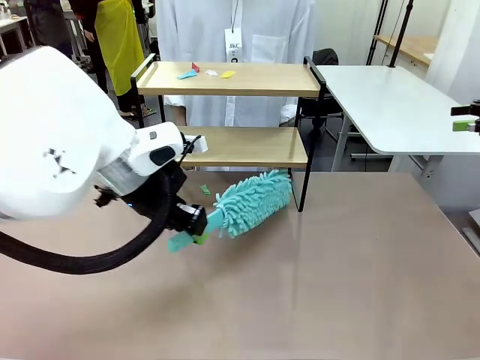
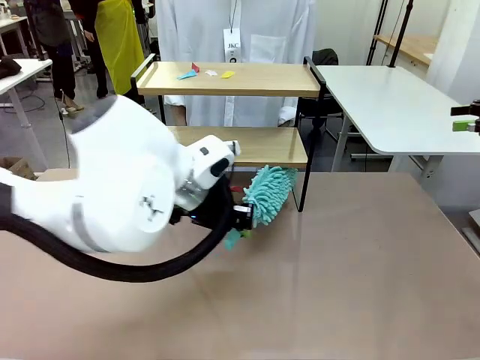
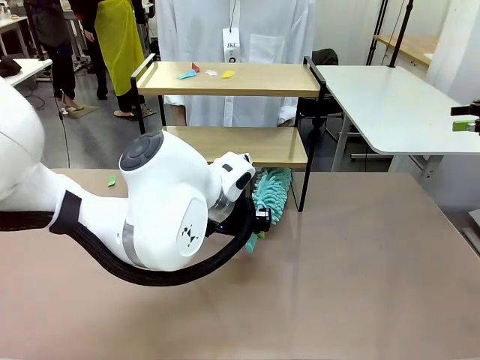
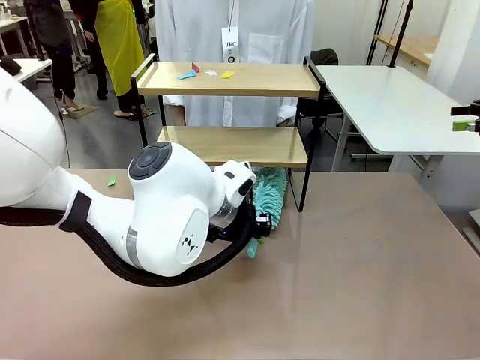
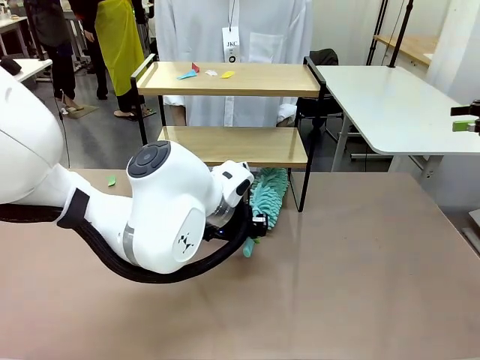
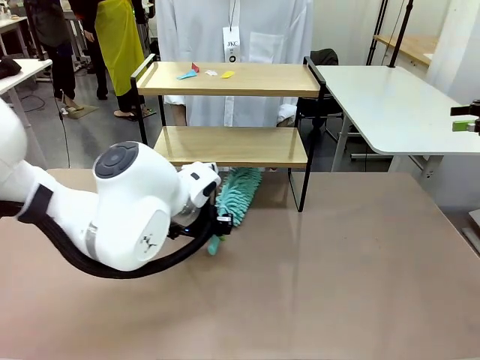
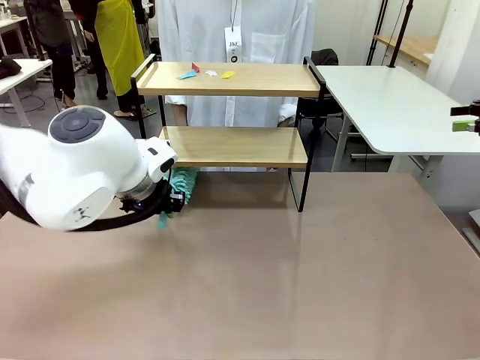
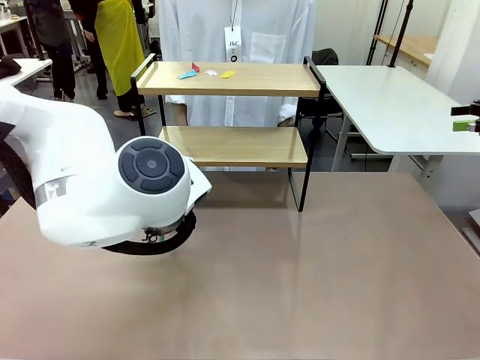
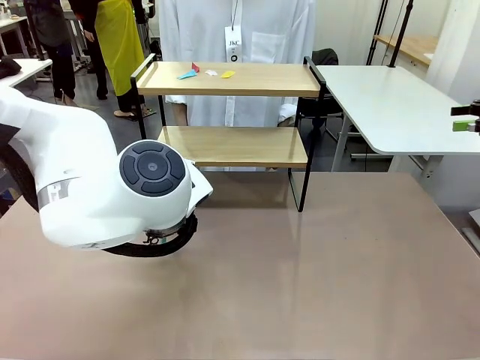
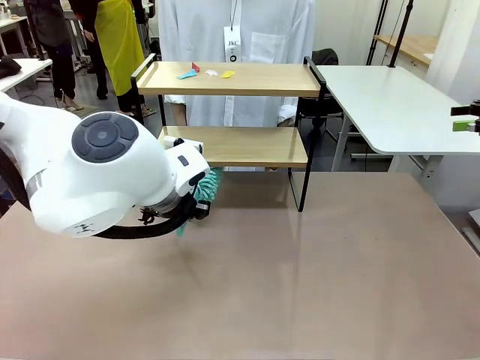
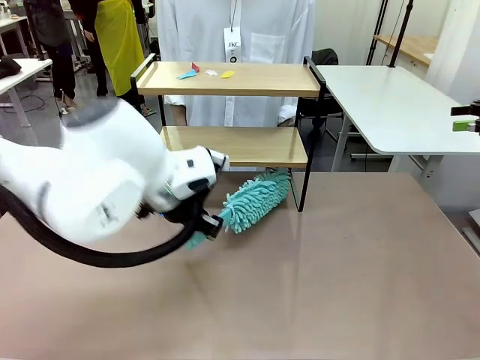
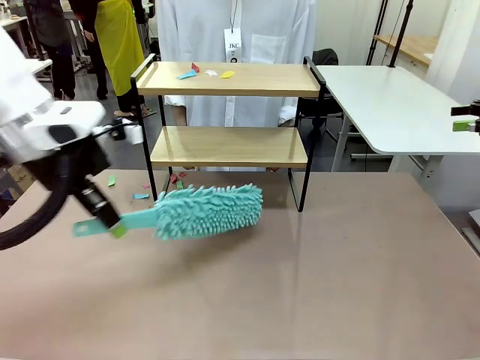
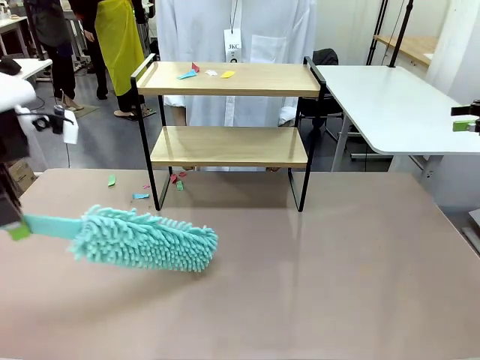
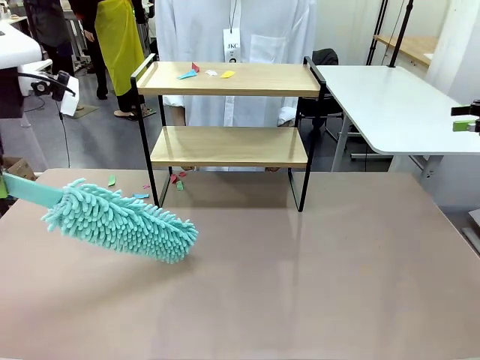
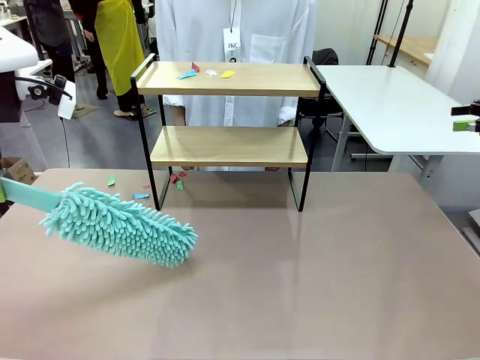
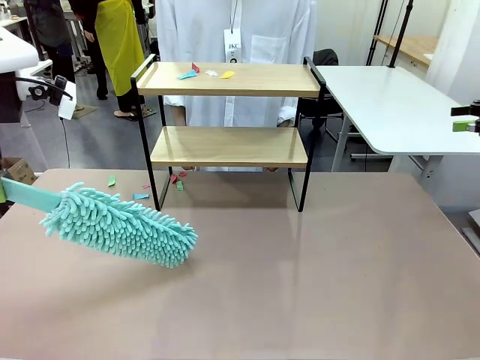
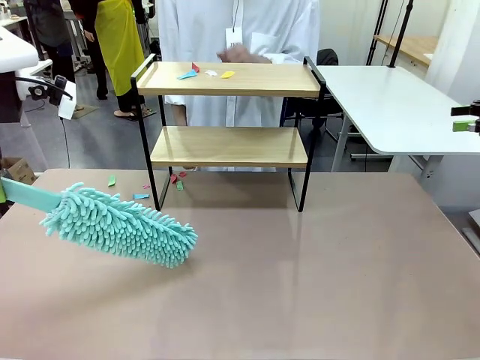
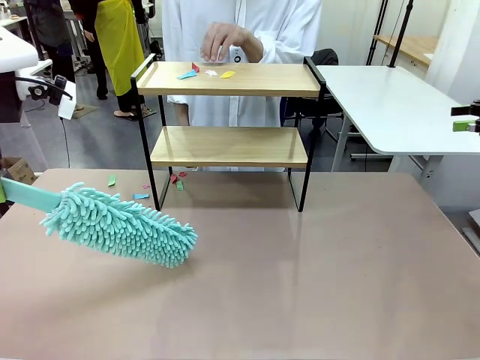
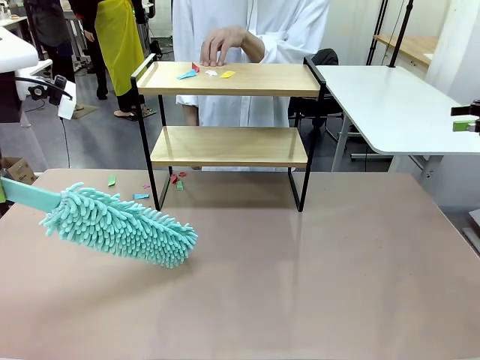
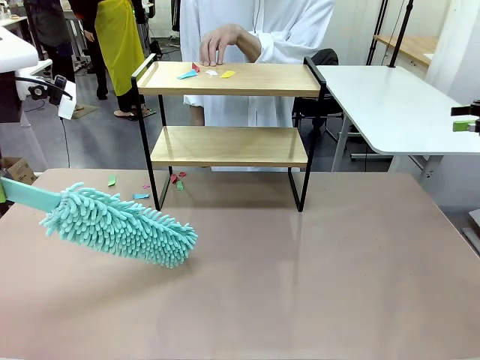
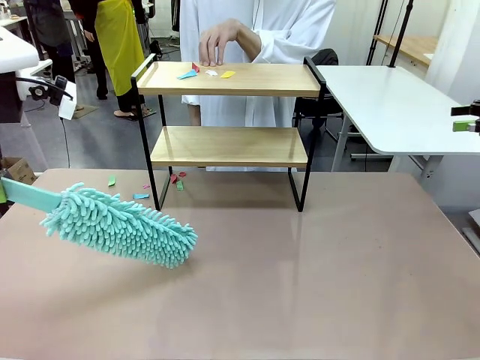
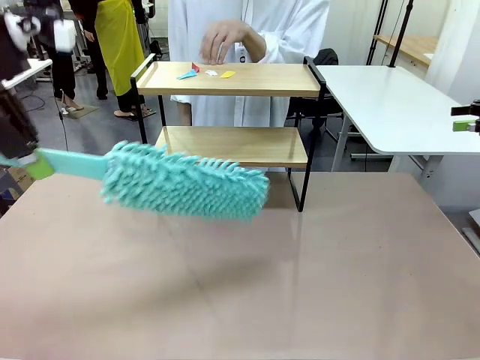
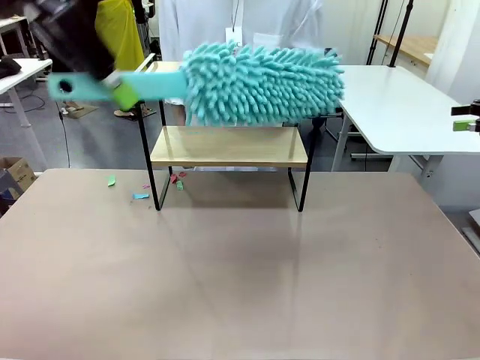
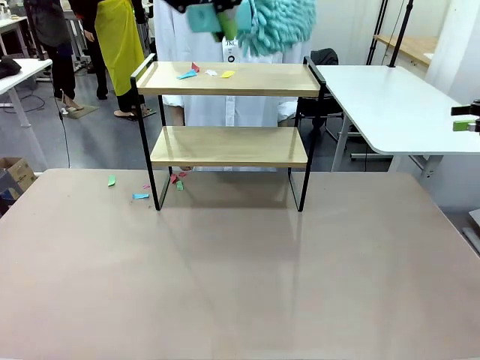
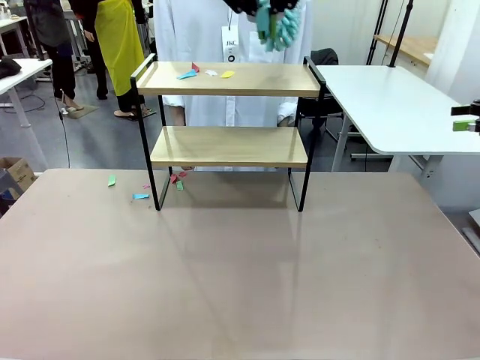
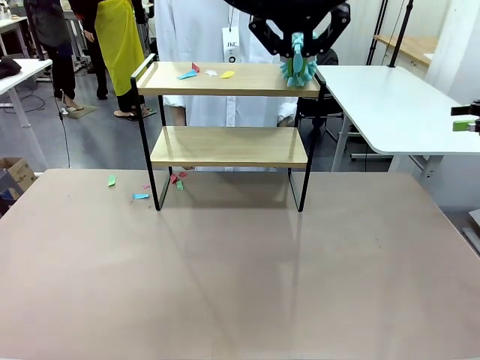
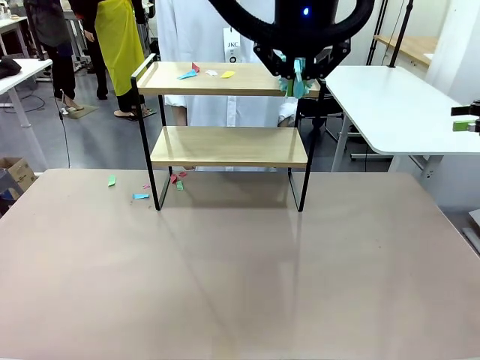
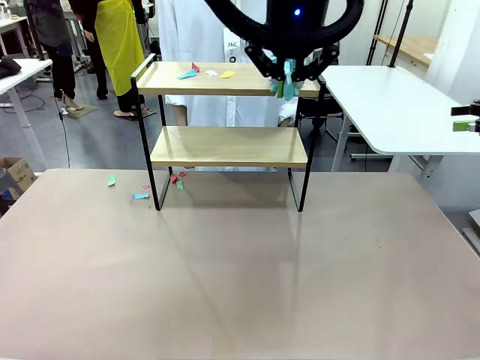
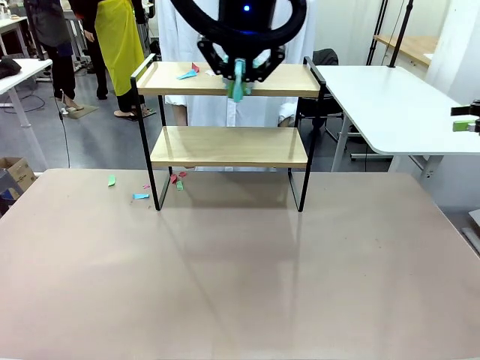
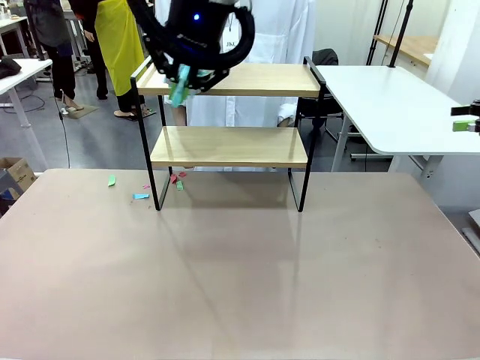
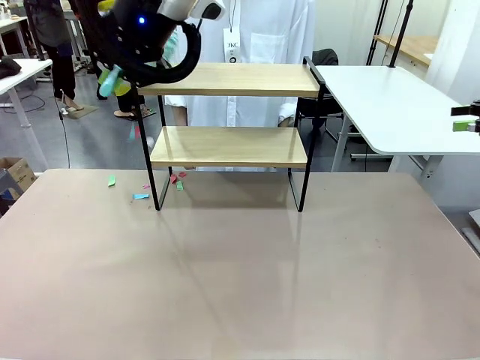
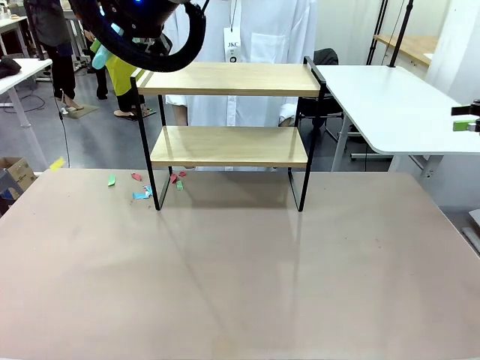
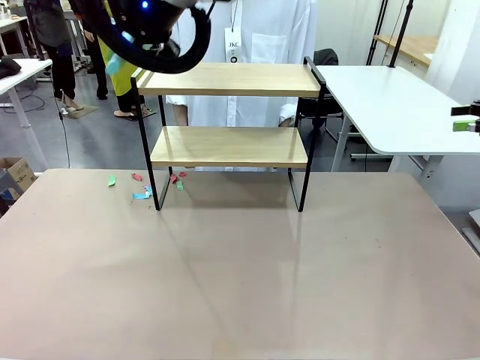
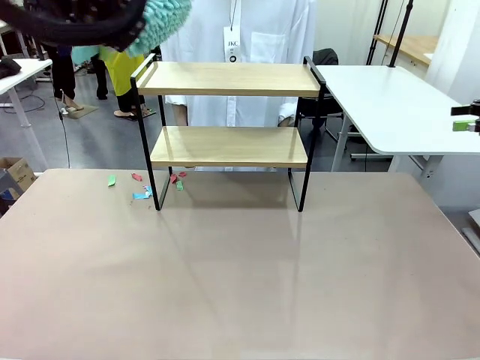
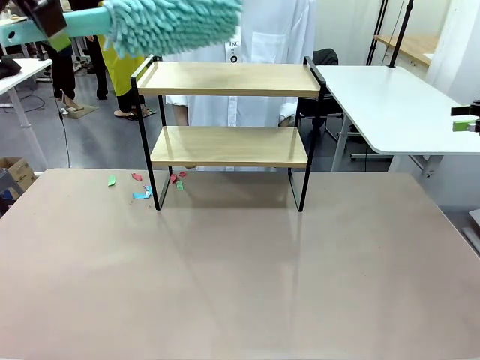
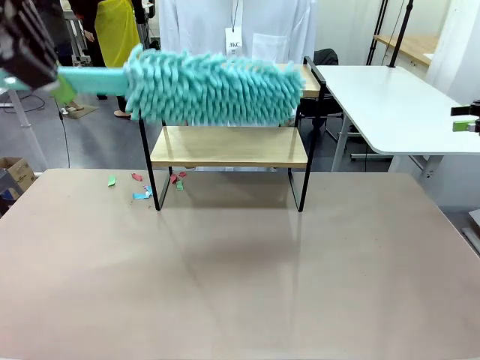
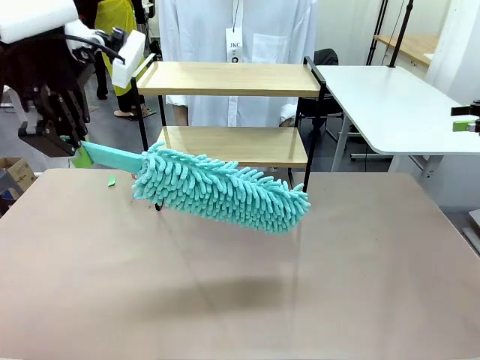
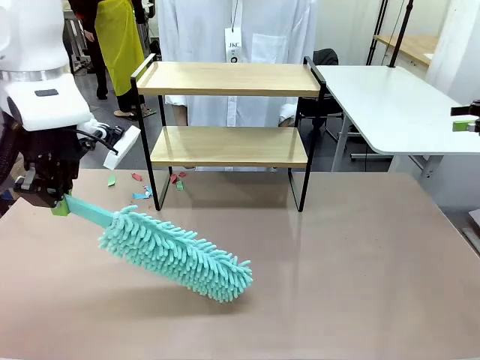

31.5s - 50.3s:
Task: Clean the shelf.
Robot: Clean the specific section of the Shelf indicated by the human with the Duster.
Person: Point a remaining section of the Shelf.

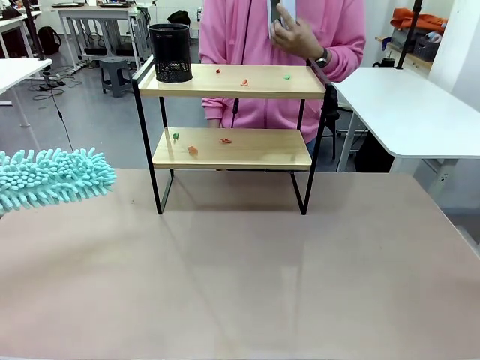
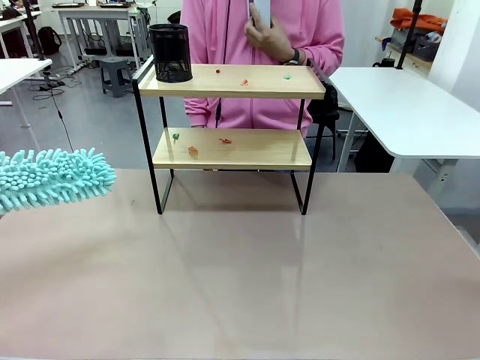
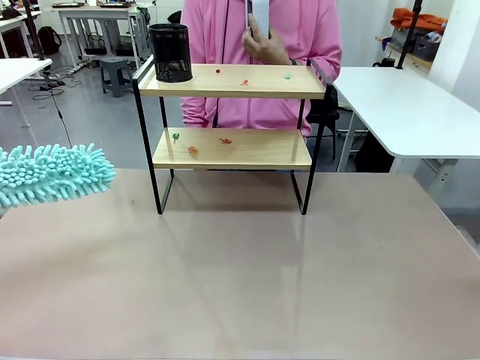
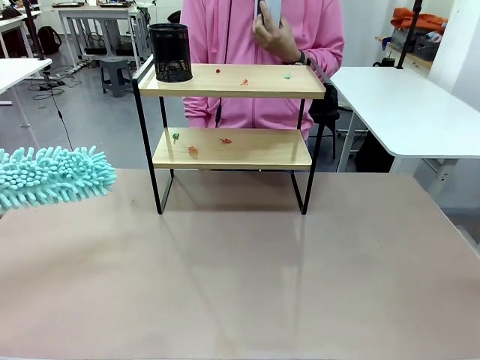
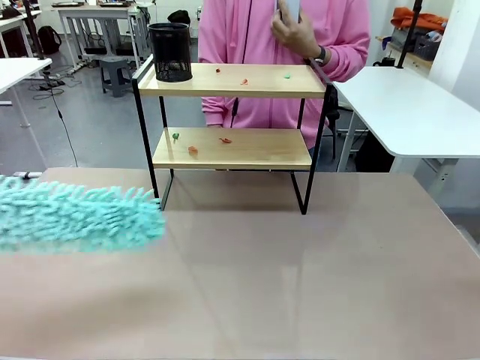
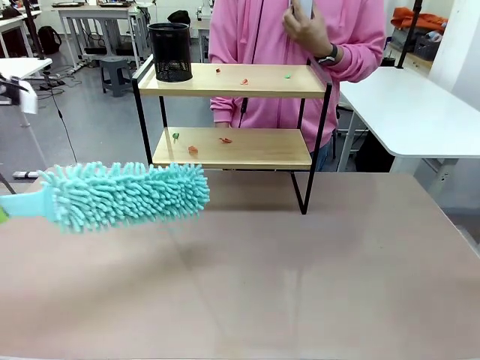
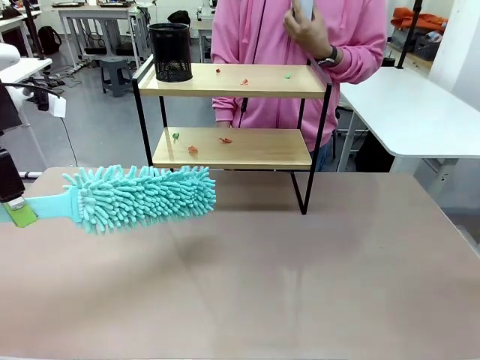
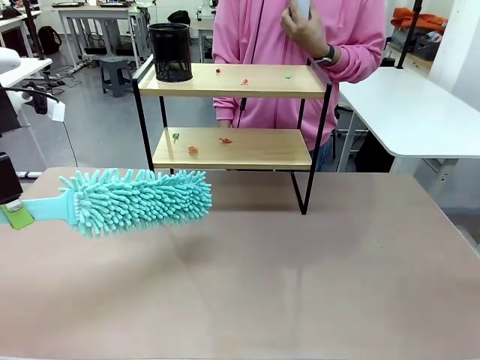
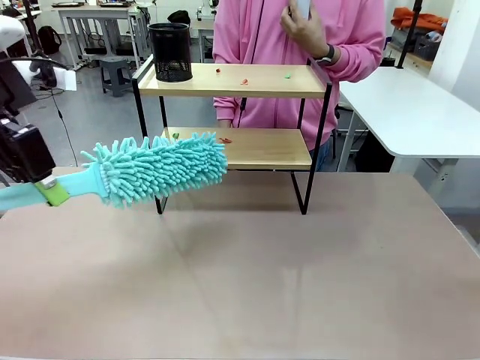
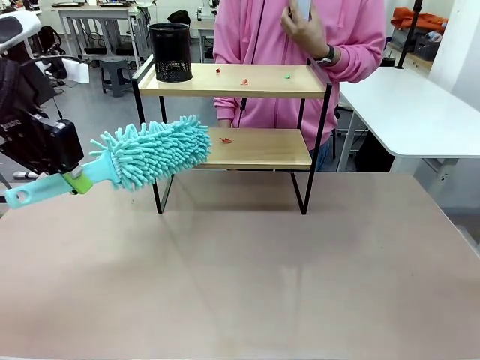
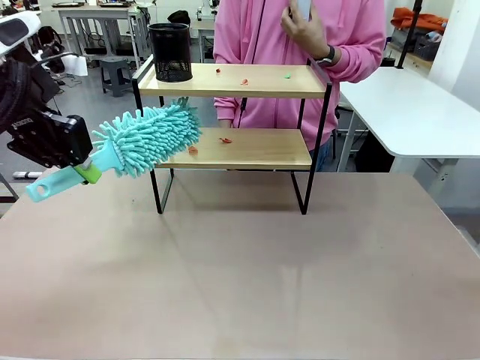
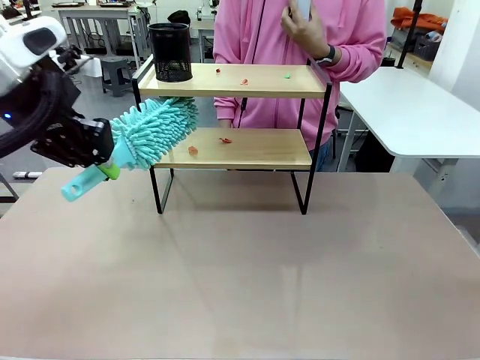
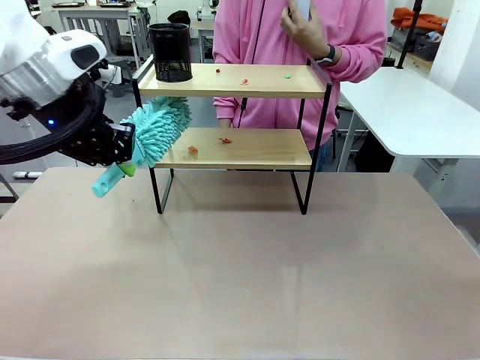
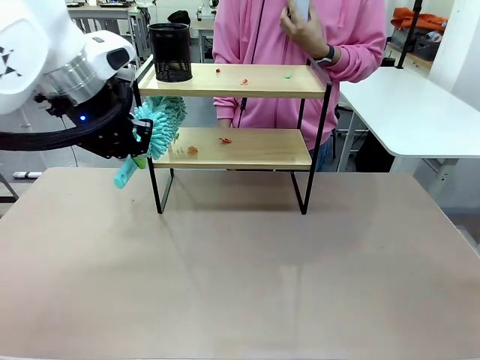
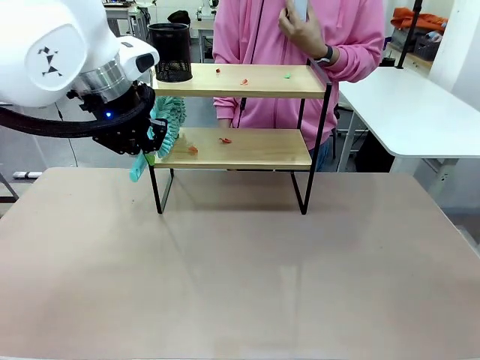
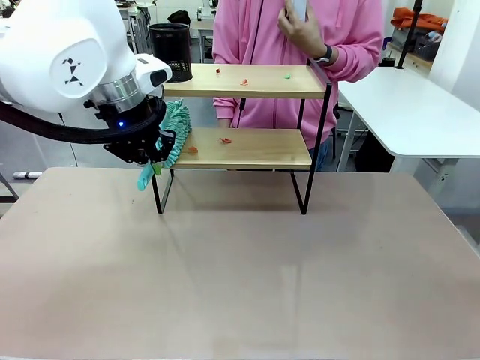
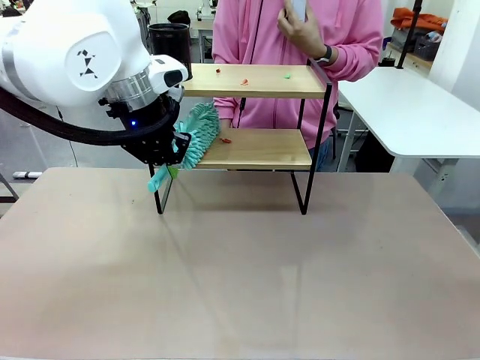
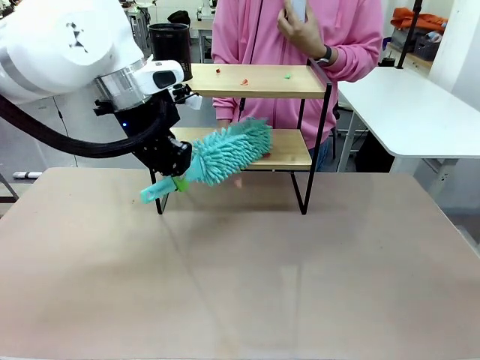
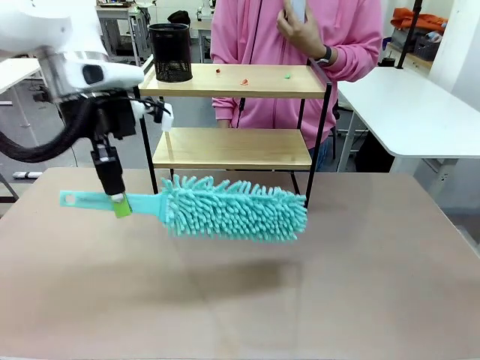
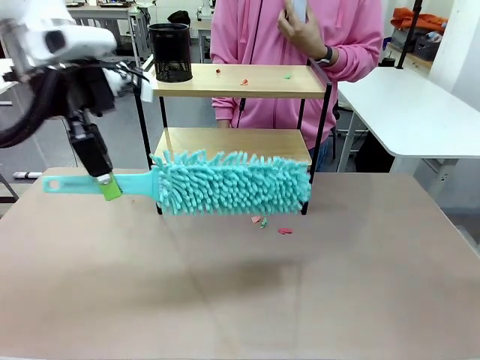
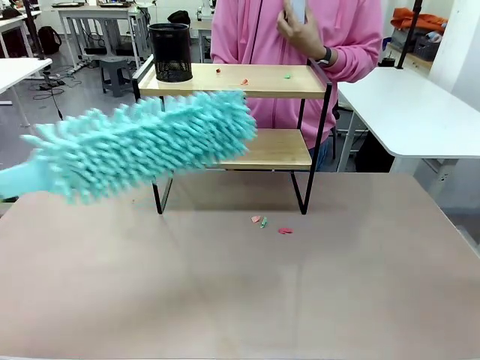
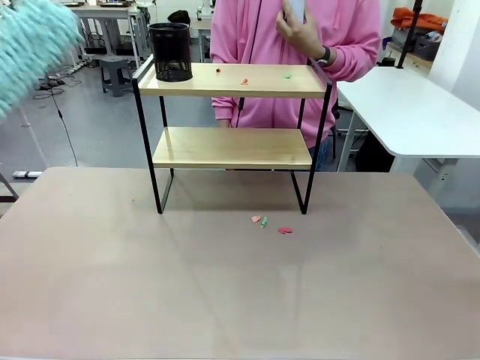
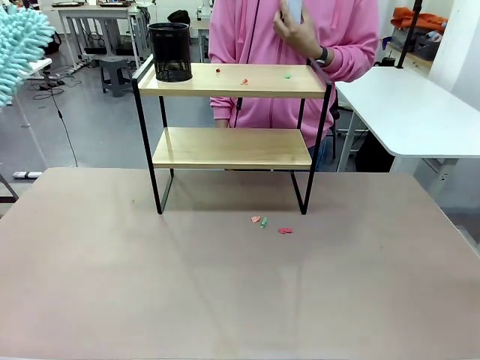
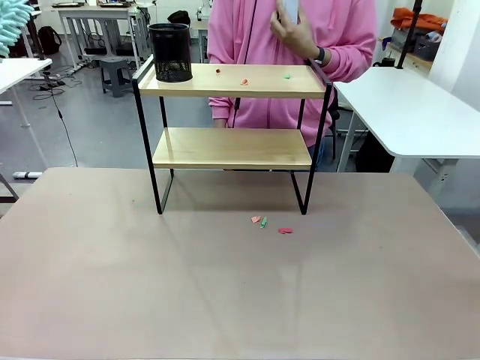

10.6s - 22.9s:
Task: Clean the shelf.
Robot: Clean the specific tier of the Shelf with the Duster once objects are removed.
Person: Once the robot finishes cleaning, lift the objects on the remaining tiers of the Shelf.
